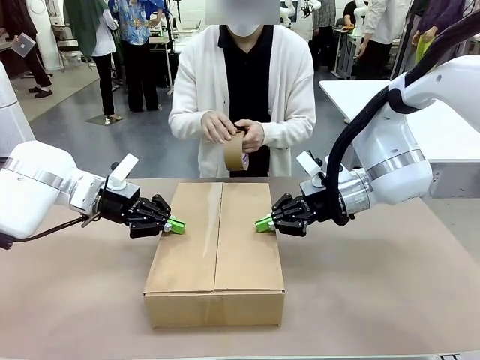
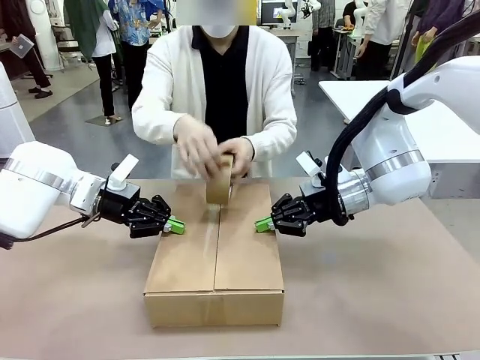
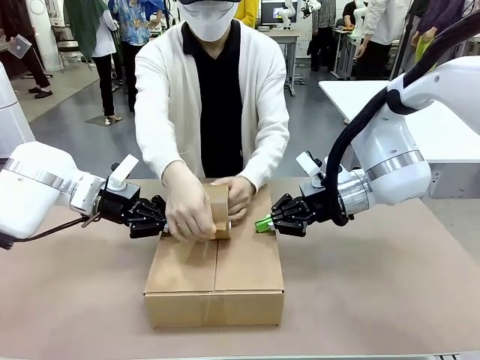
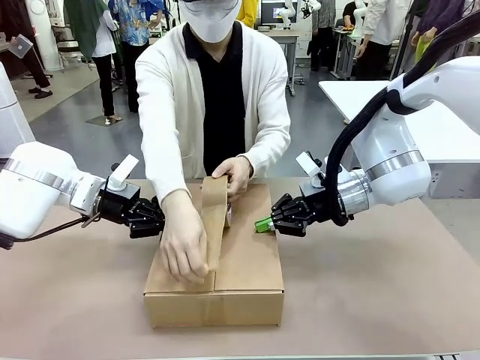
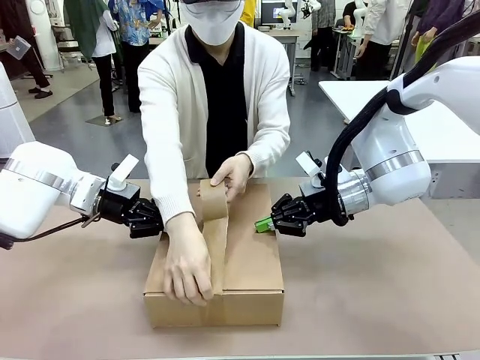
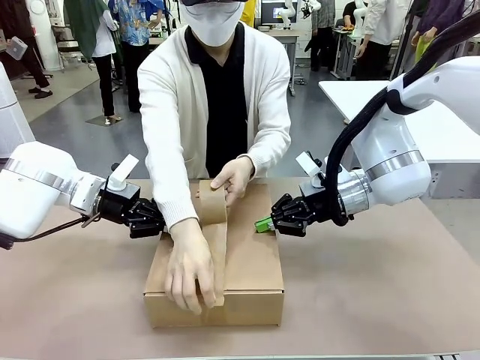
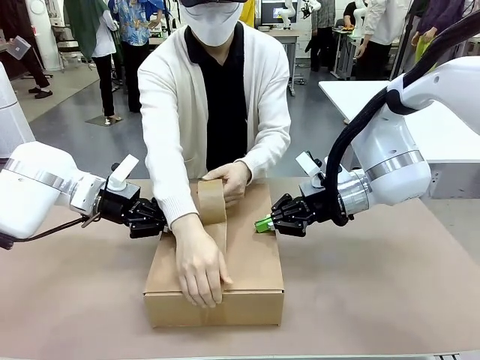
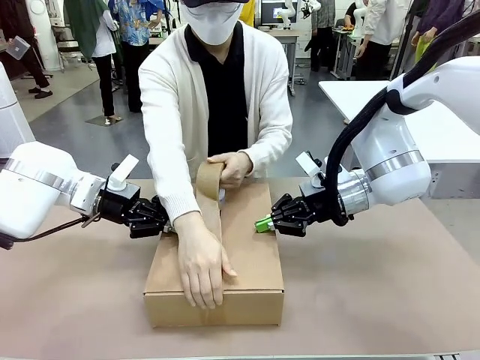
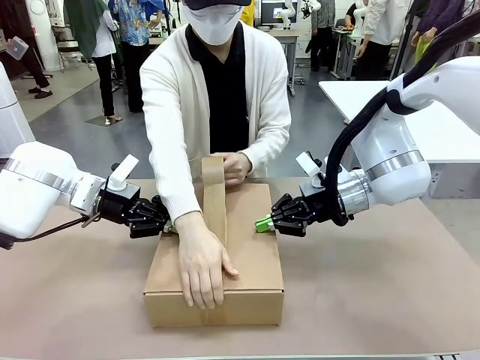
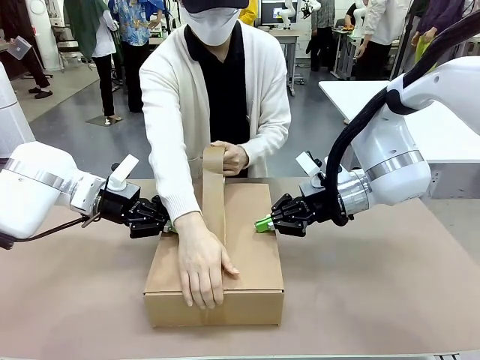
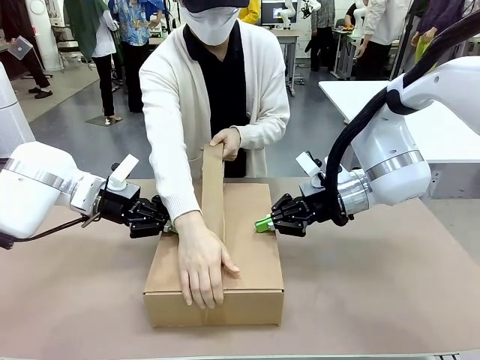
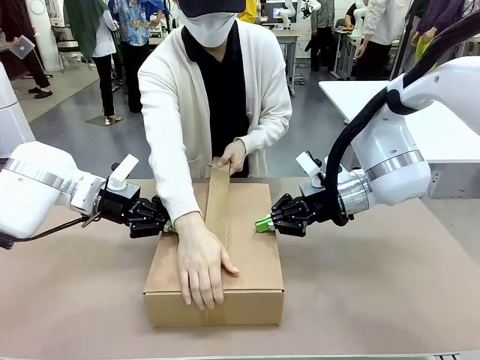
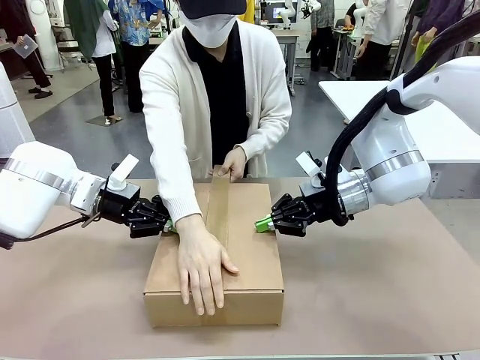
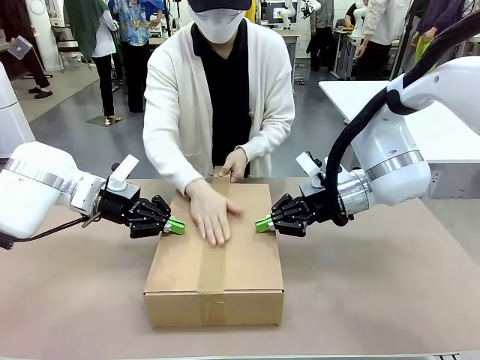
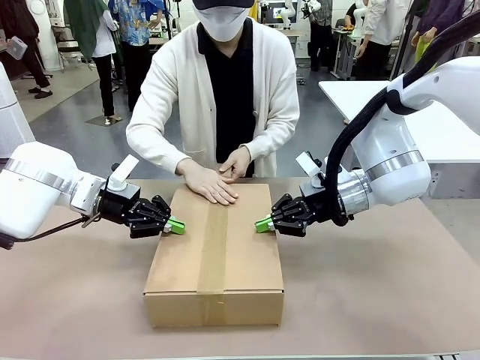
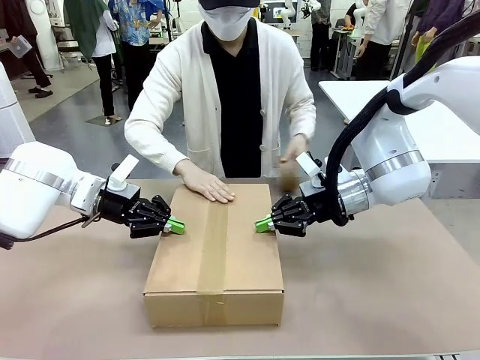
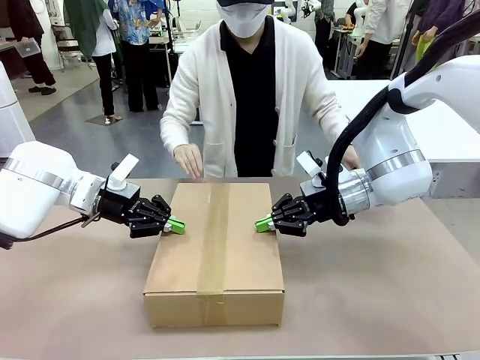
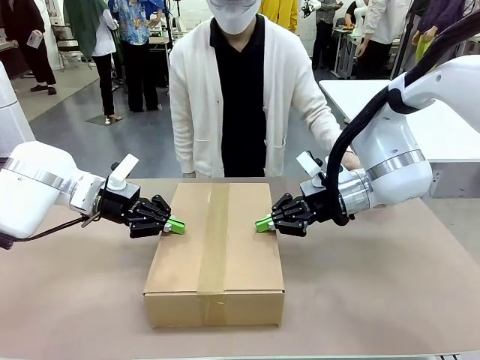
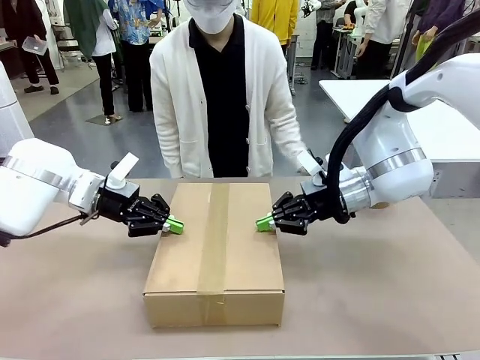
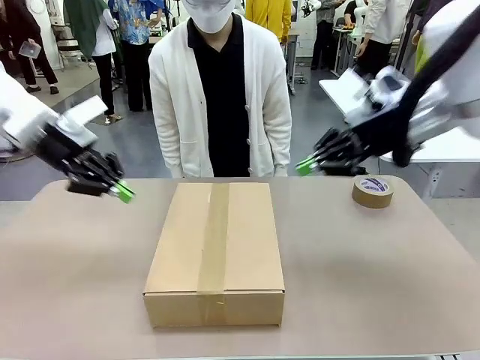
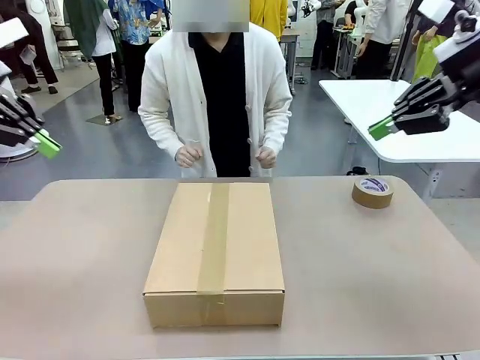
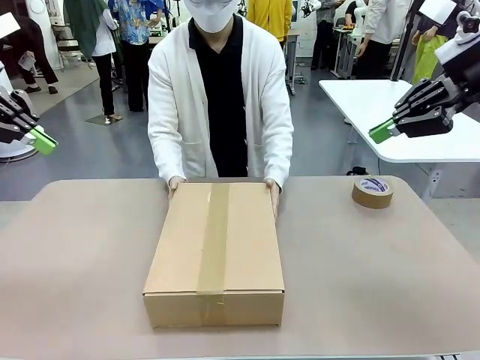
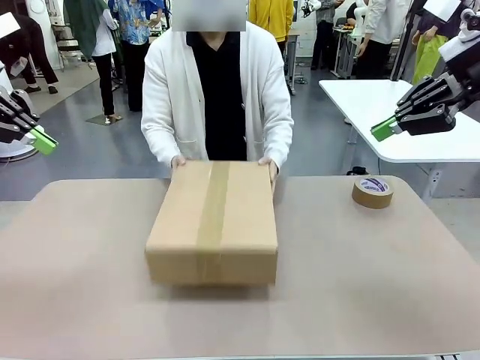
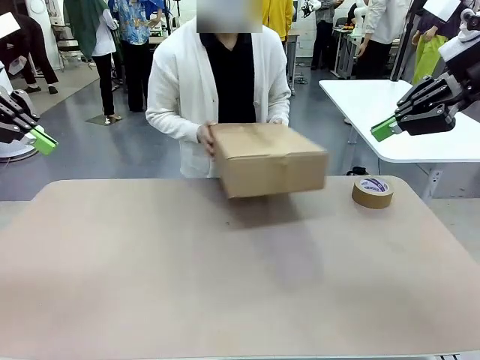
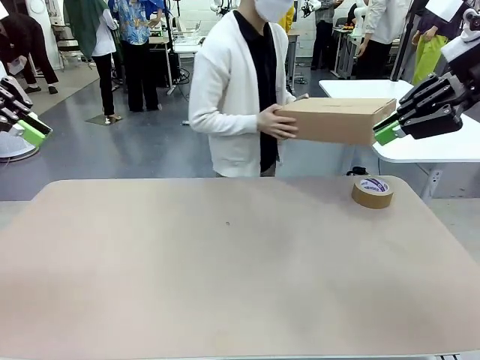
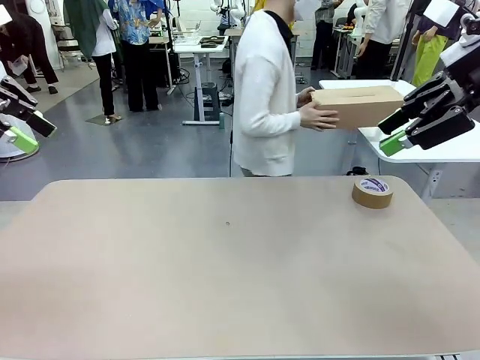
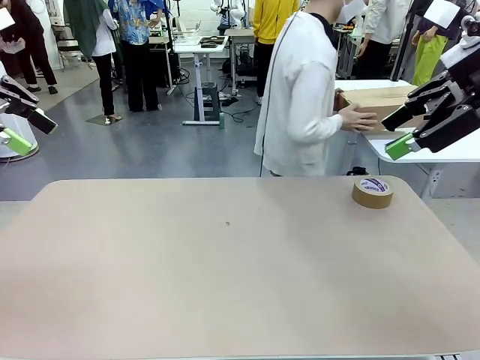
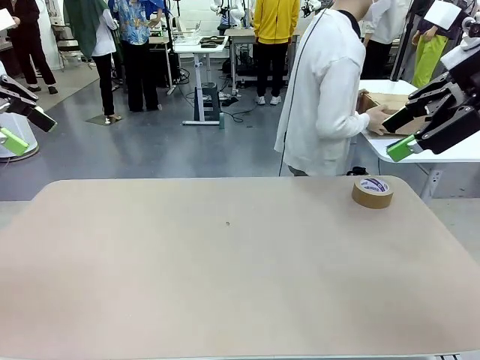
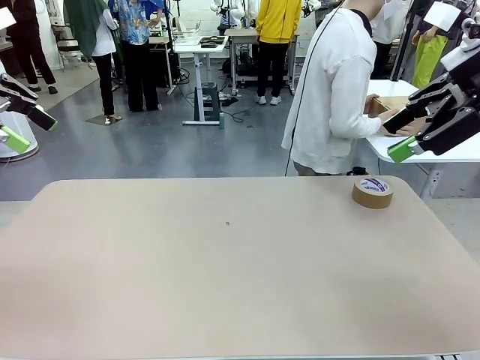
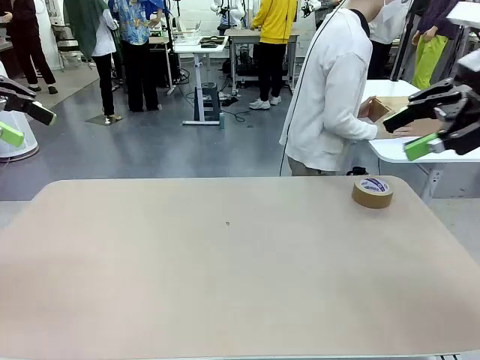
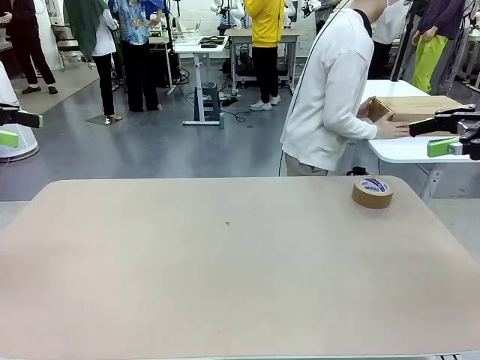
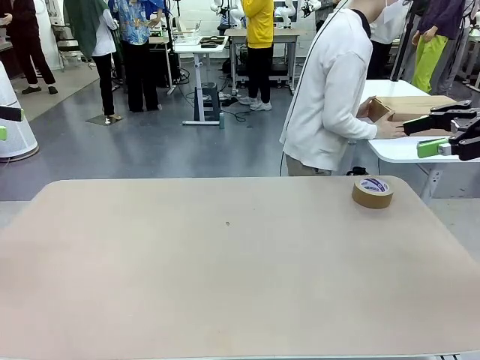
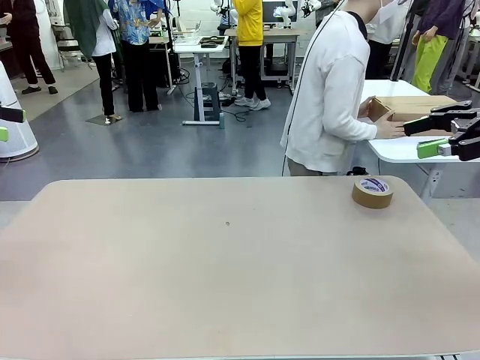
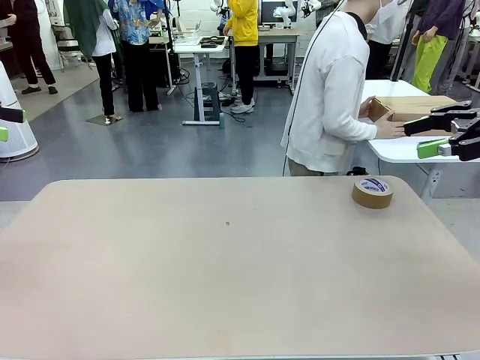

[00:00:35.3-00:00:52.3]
Task: Wrap the clocks to prevent damage.
Robot: After the human seals the box with tape, release both hands from the side flaps of the Package Box.
Person: Once the robot closes the left flap of the Package Box , seal the box with Paper Tape. Place sealed Package Box in the middle of the human's table.

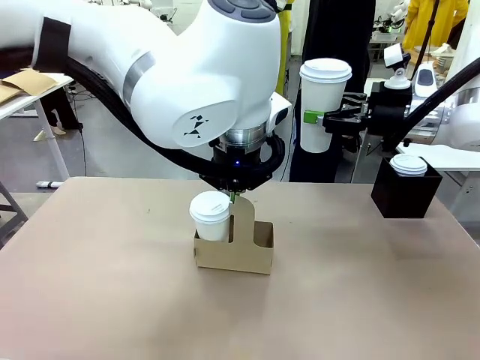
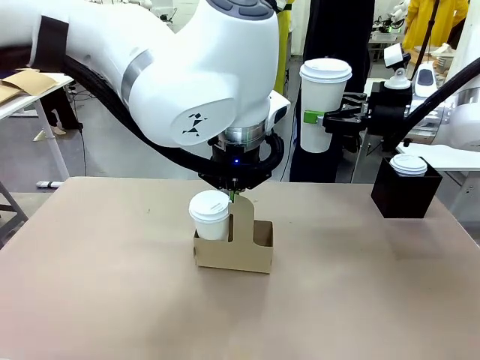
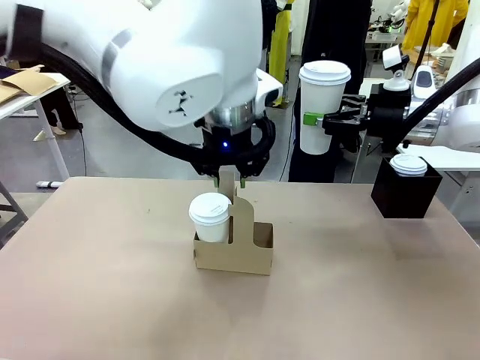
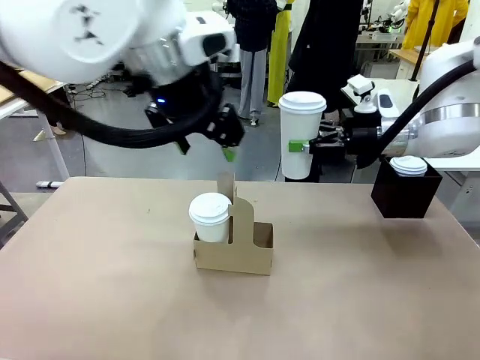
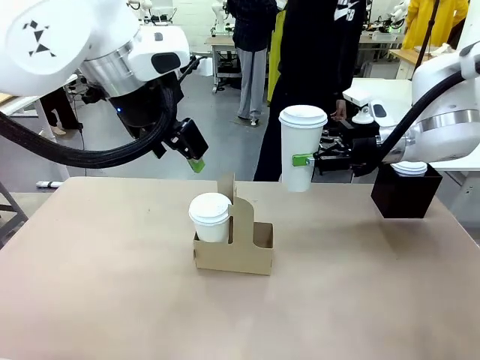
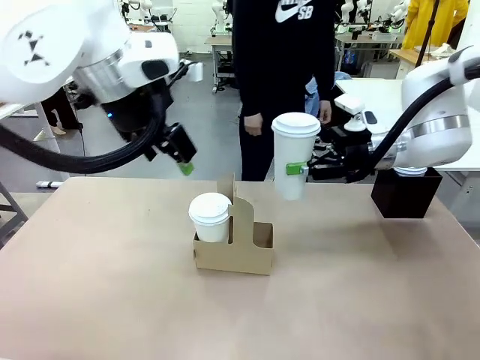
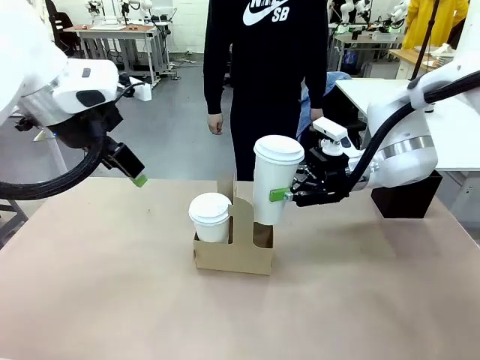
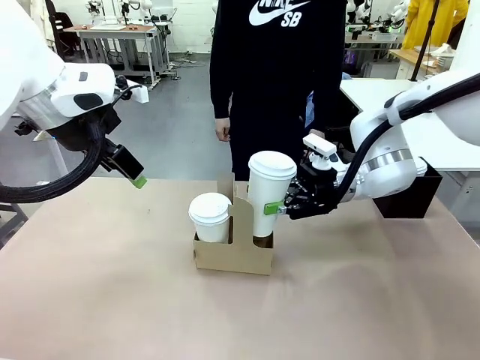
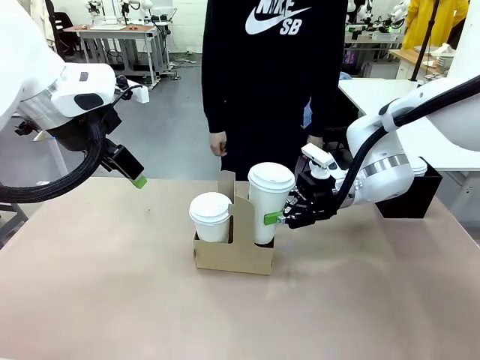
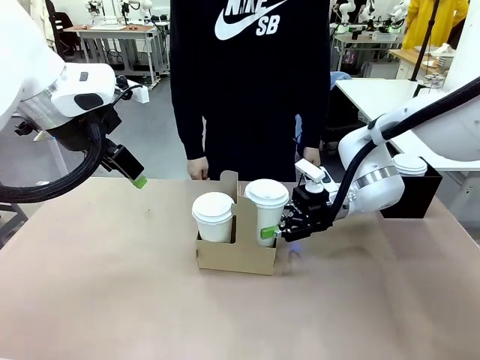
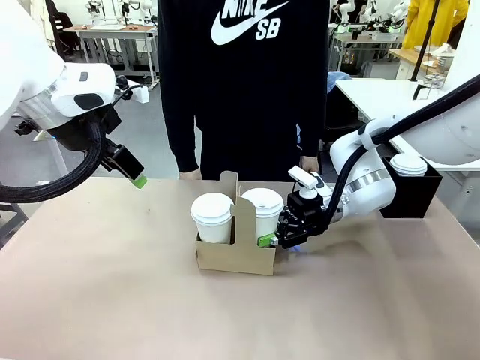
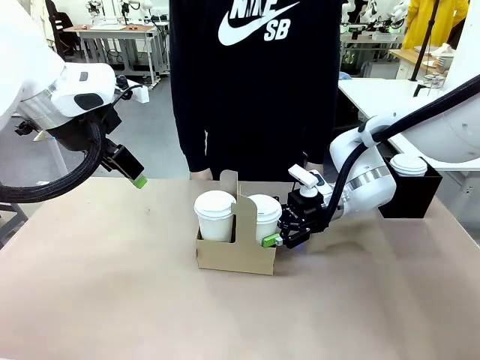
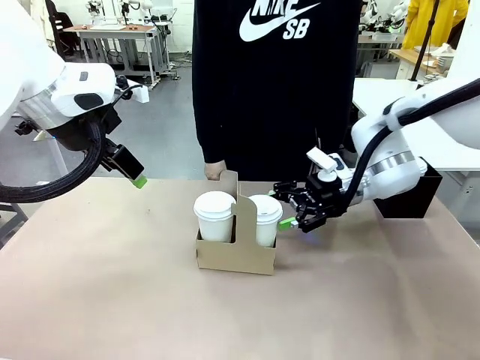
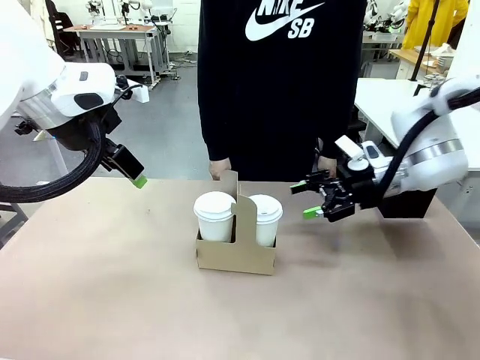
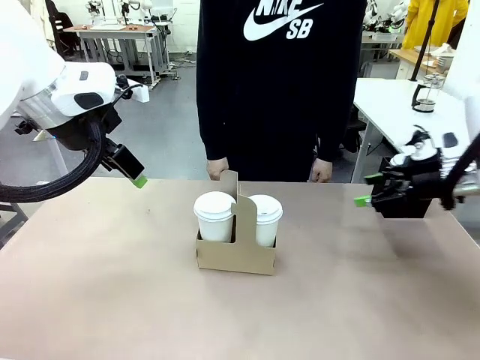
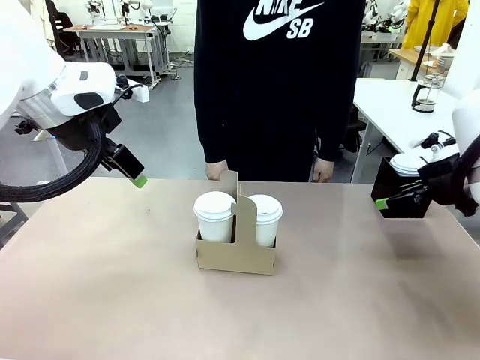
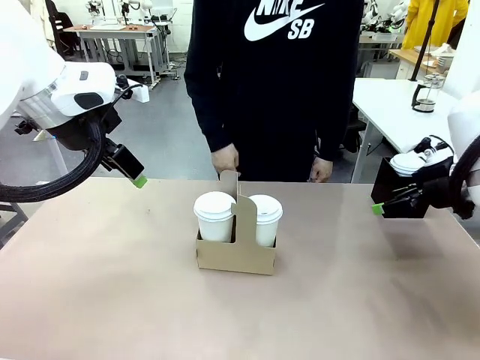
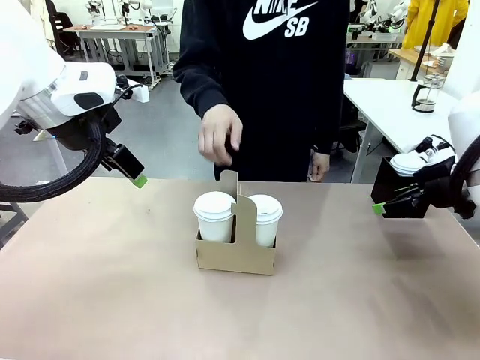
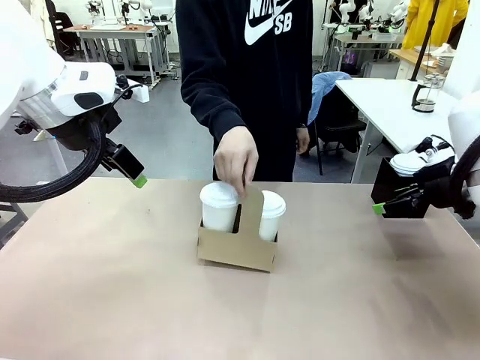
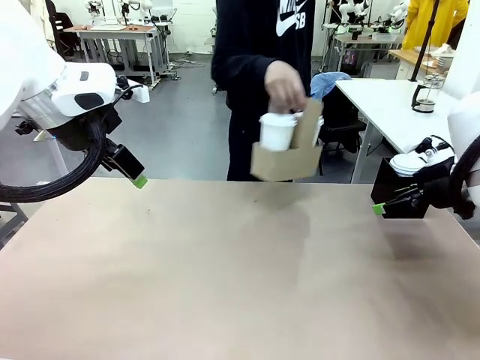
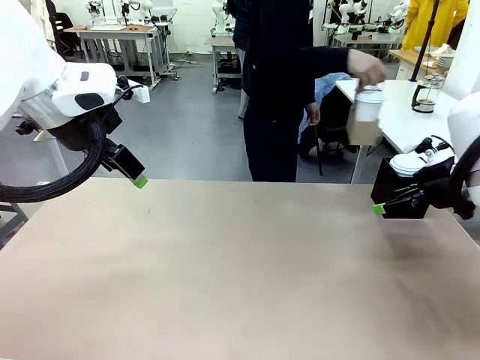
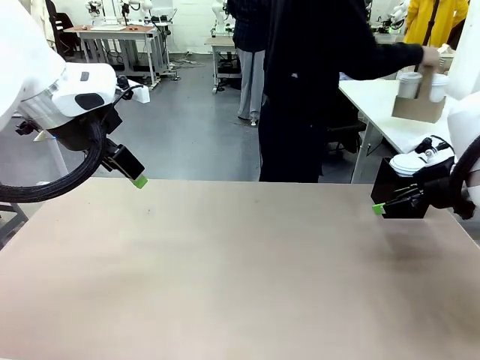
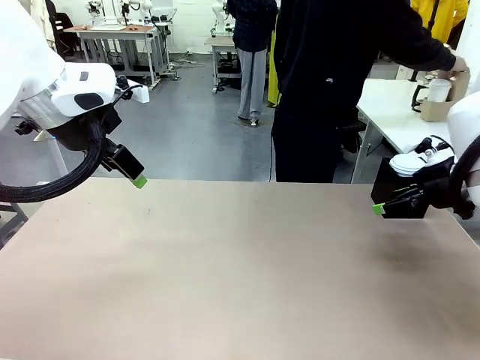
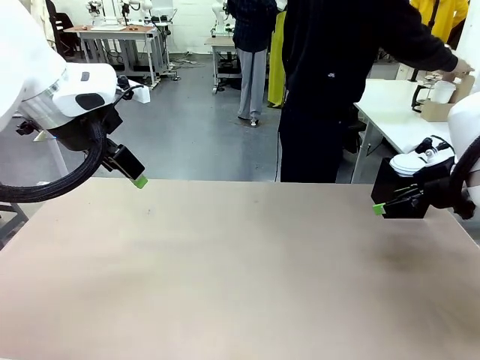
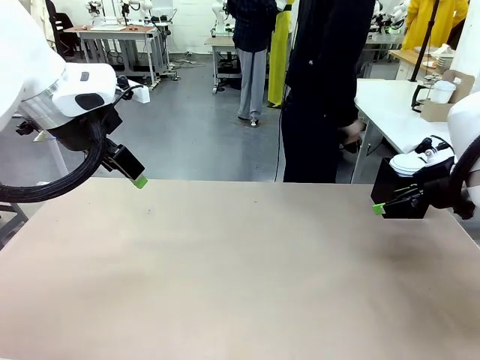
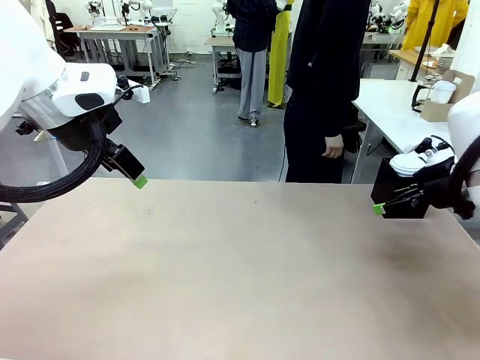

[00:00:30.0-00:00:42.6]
Task: Pour a drink into a cup and package it in a carrier.
Robot: Insert the held 600 ml Paper Cup into the Cup Carrier.
Person: Place the Cup Carrier to the middle of Human table.
